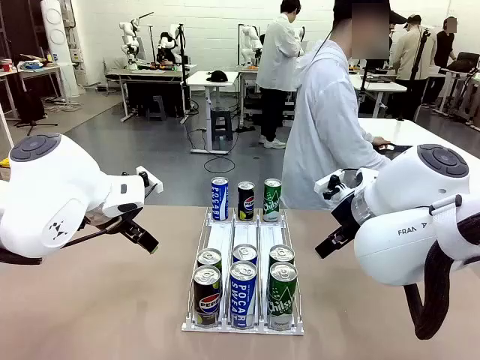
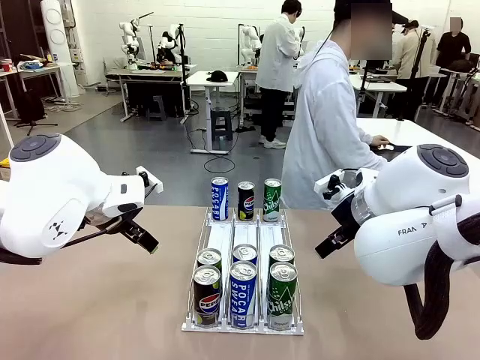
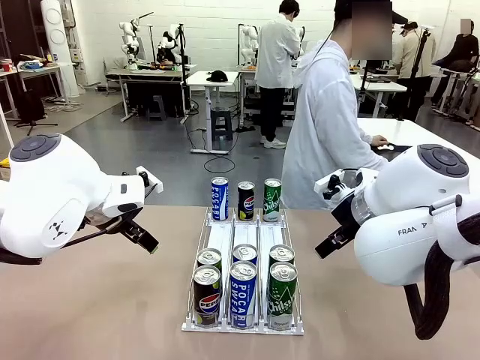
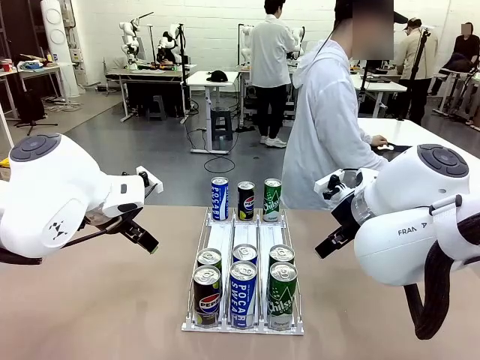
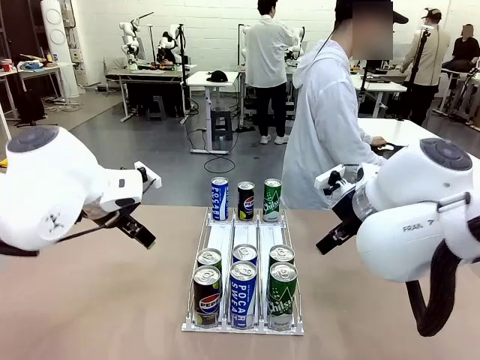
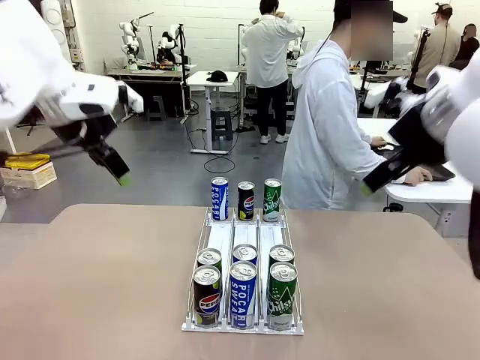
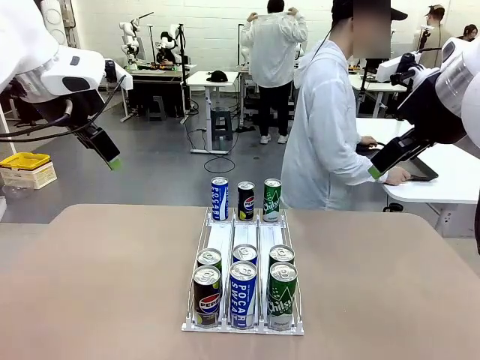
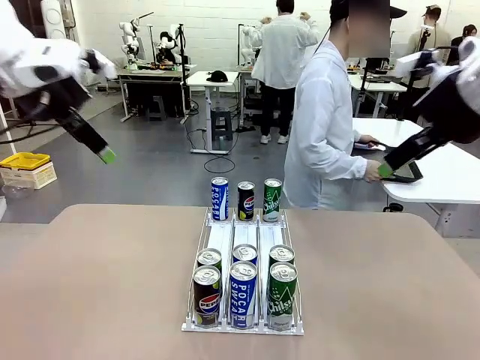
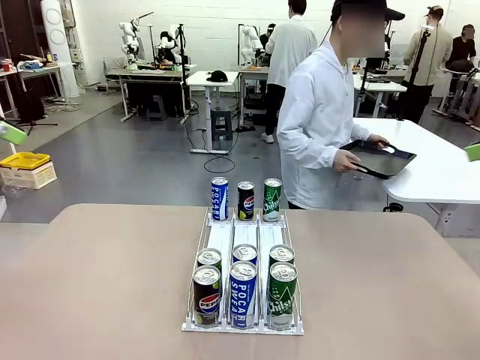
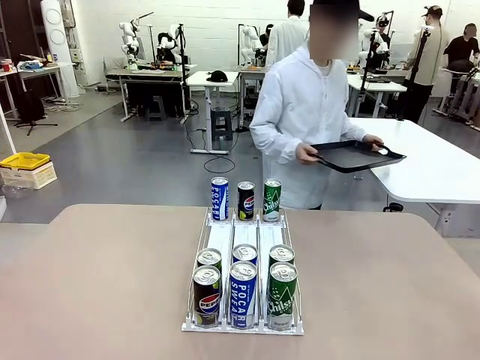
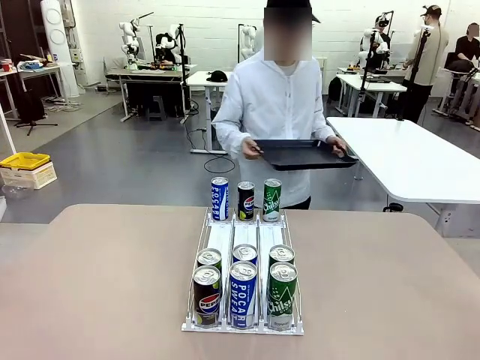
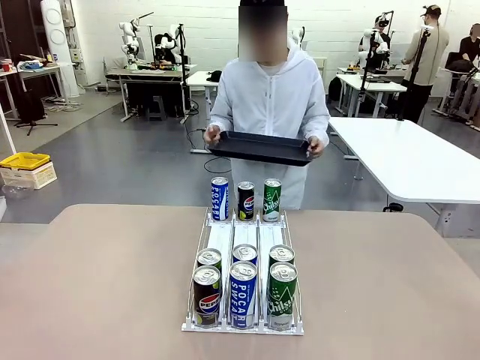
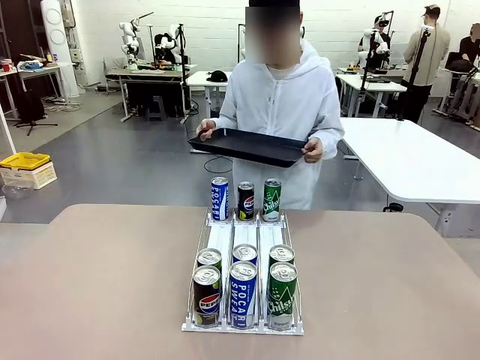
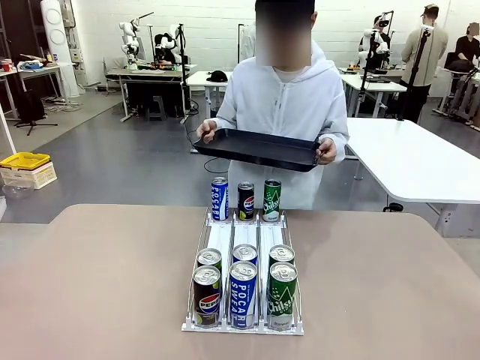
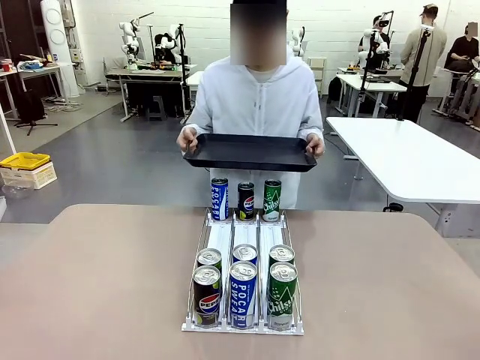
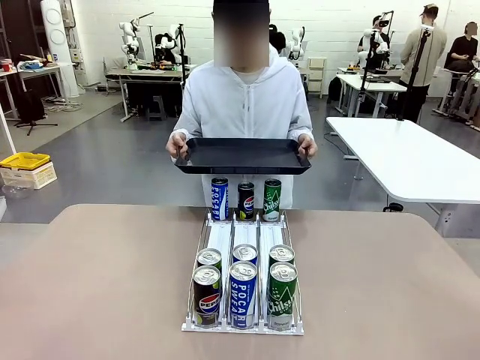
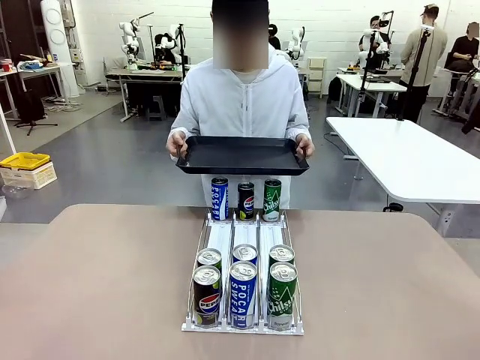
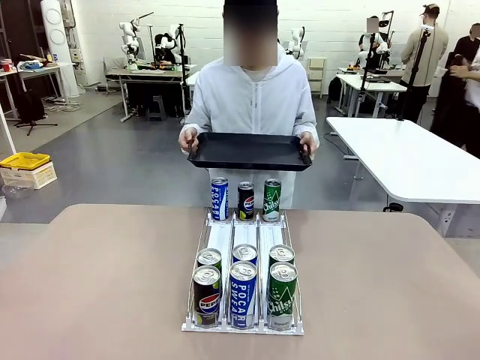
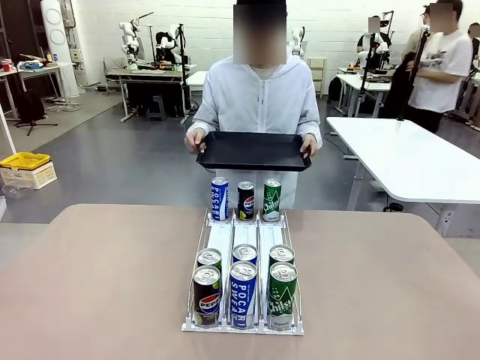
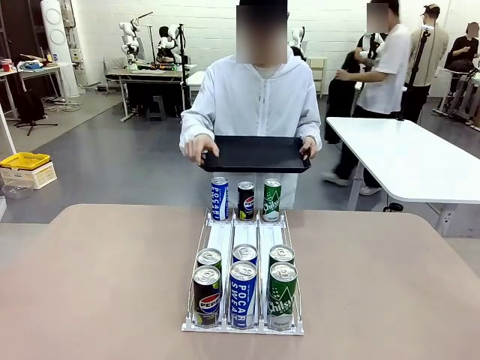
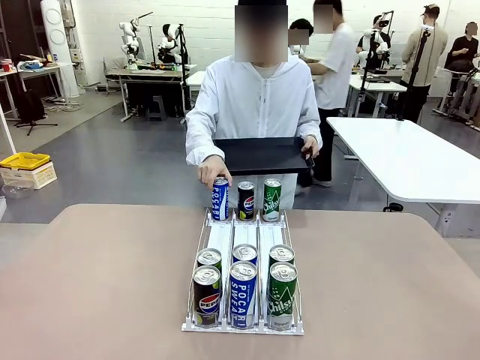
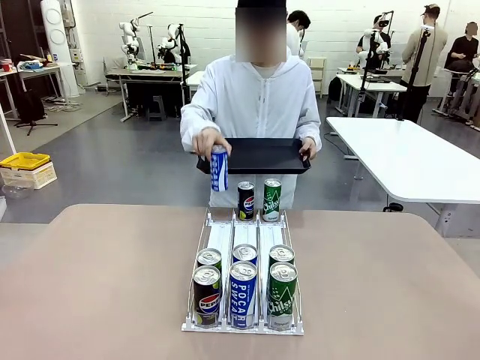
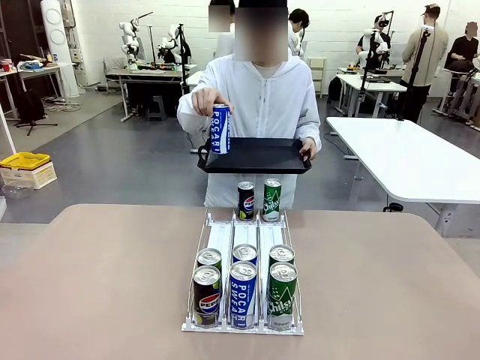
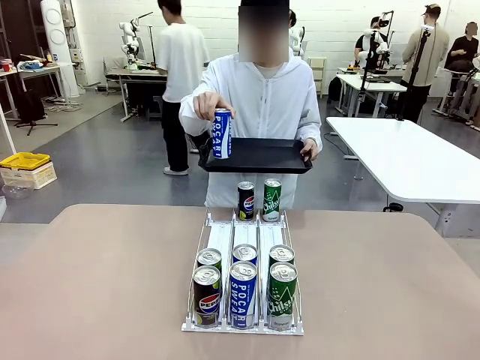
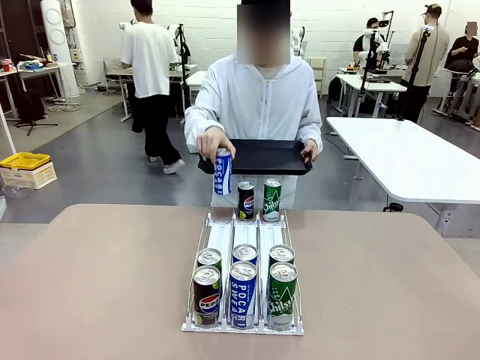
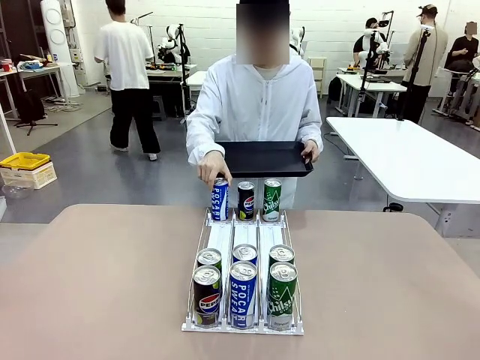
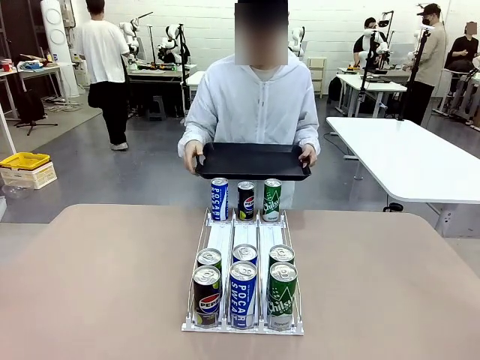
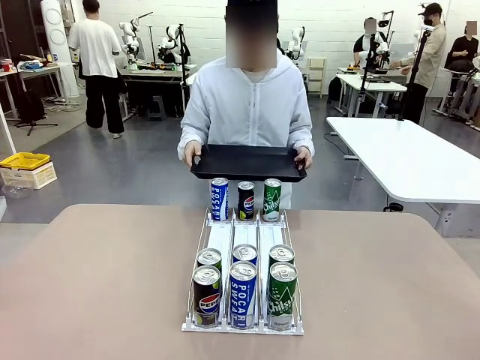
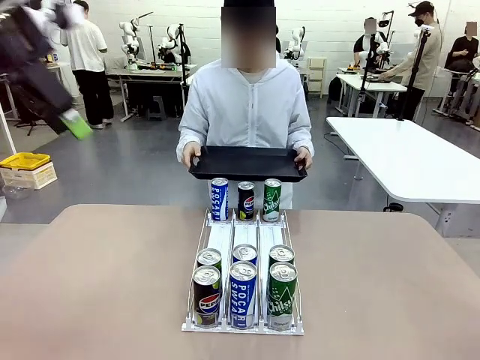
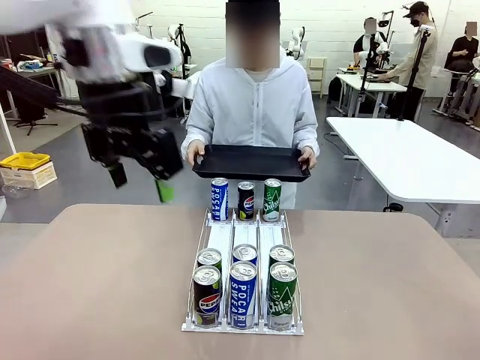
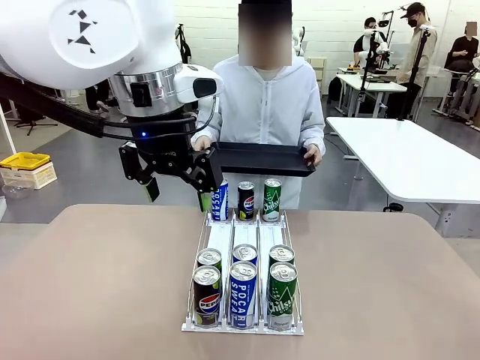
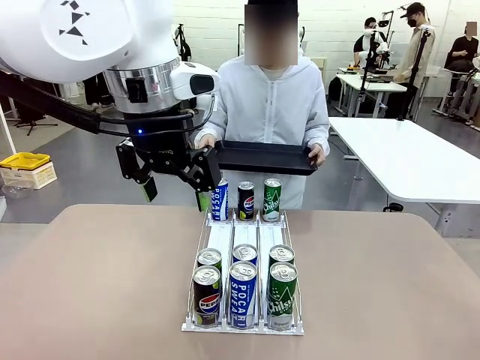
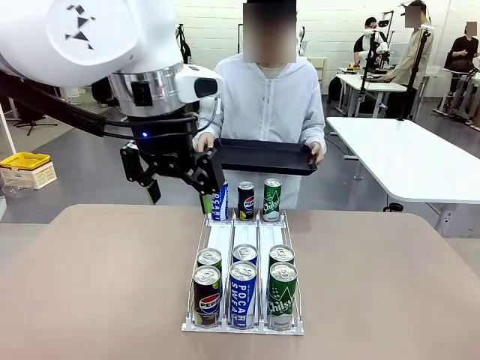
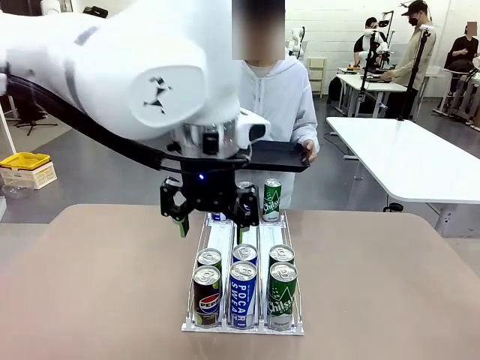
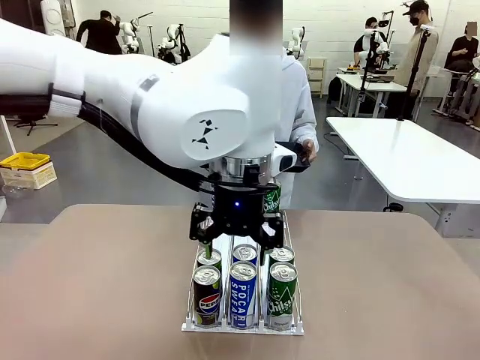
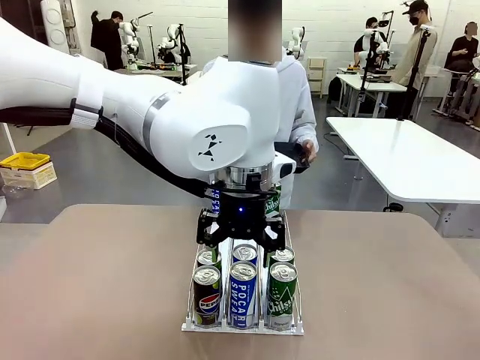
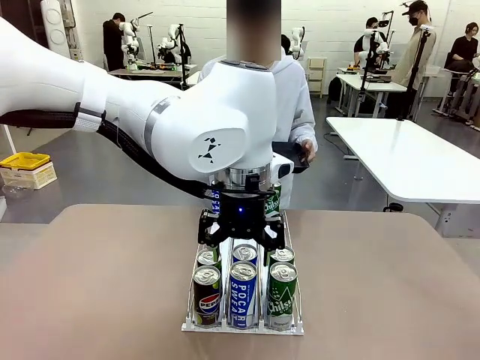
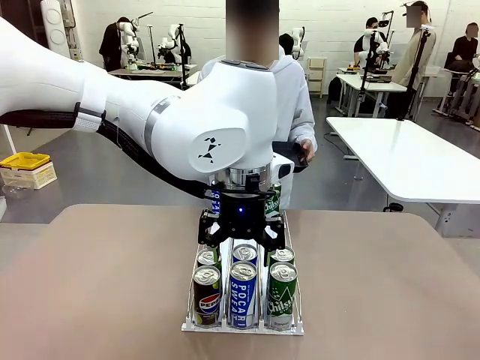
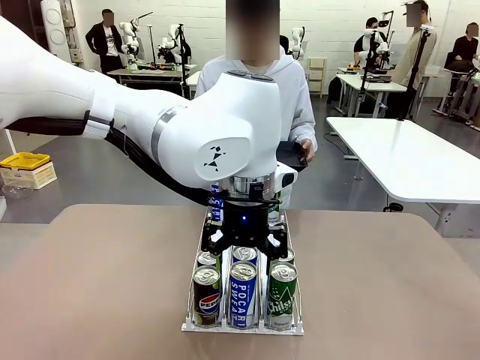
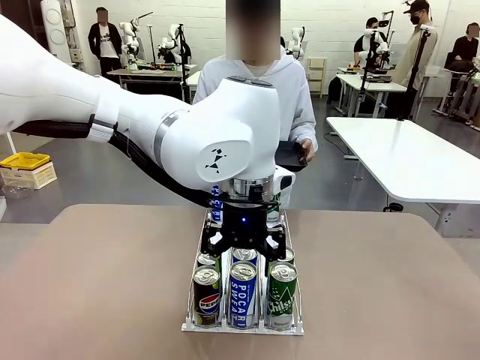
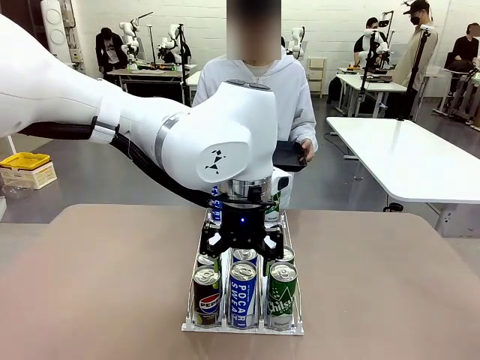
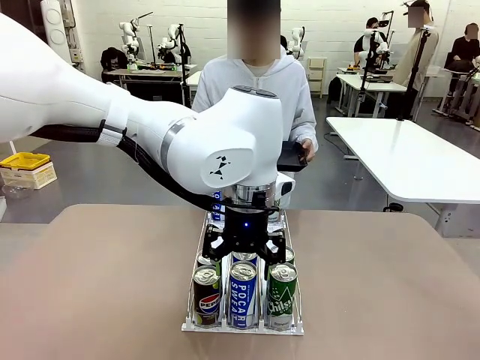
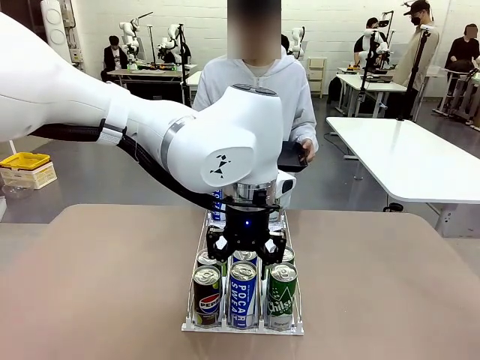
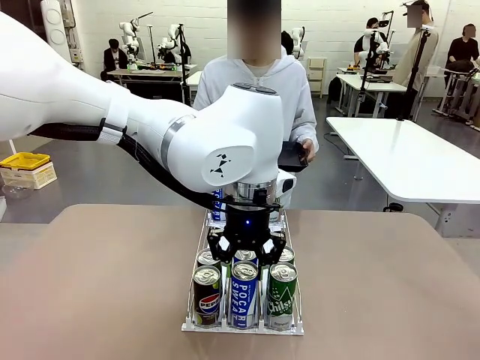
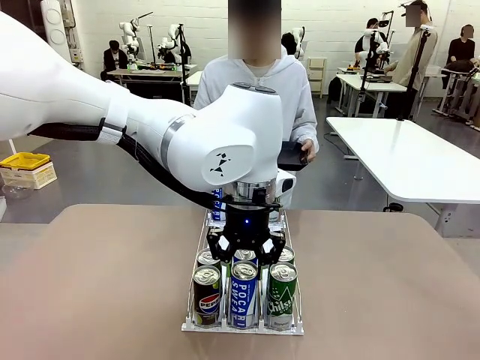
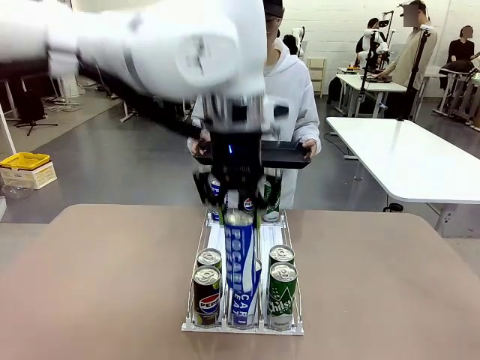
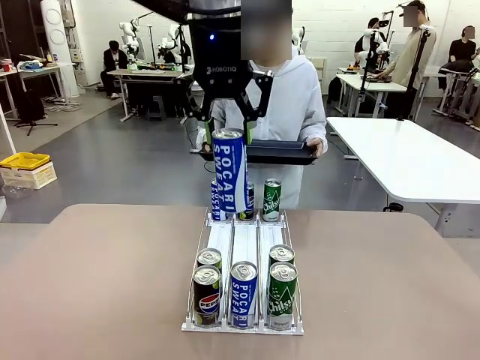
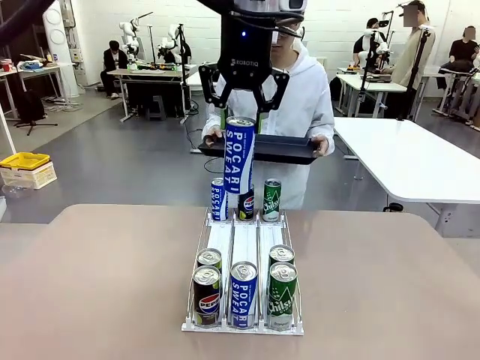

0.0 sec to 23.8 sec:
Task: Retrieve and hand over the desired beverage to the person.
Robot: Pick up a can of the same type that the person held from the Automatic Can Dispenser.
Person: Hold the tray and position yourself in front of the robot table. Pick up one can from the bottom area of the table and puts it back in its original place. Push the tray toward the robot.
